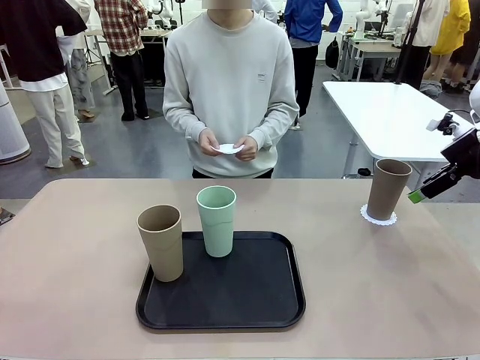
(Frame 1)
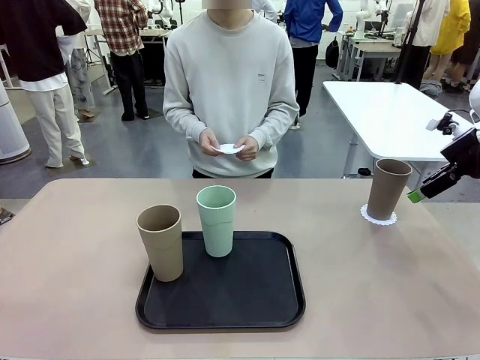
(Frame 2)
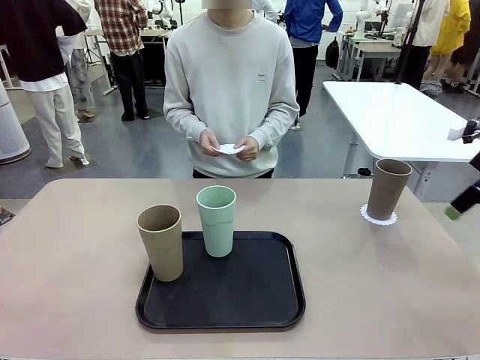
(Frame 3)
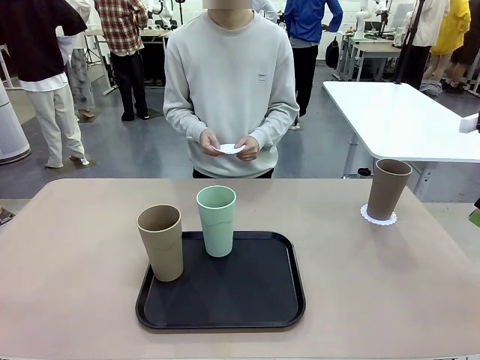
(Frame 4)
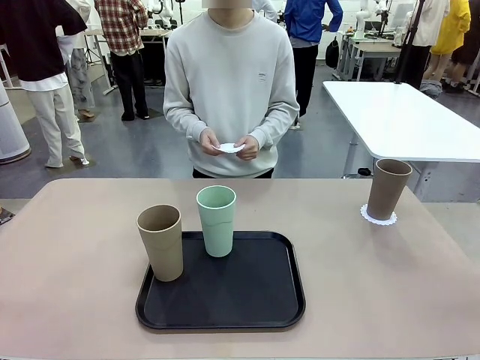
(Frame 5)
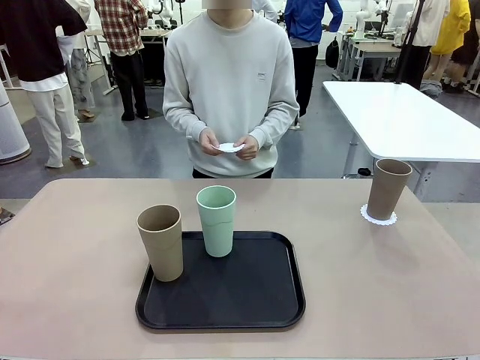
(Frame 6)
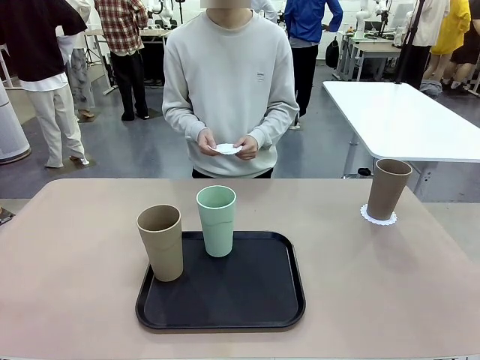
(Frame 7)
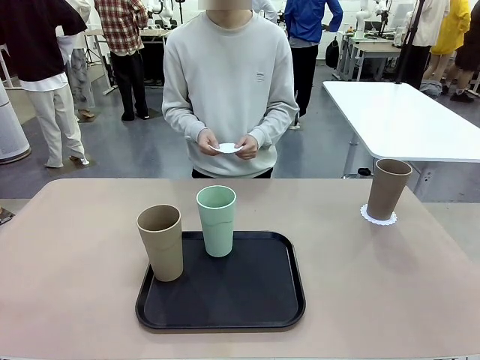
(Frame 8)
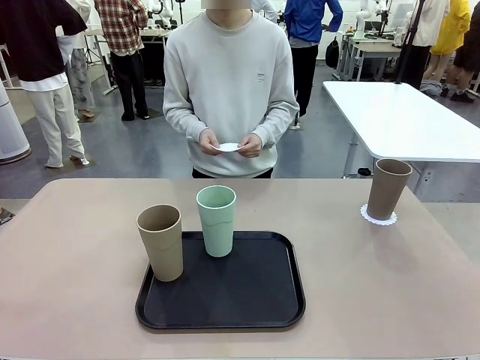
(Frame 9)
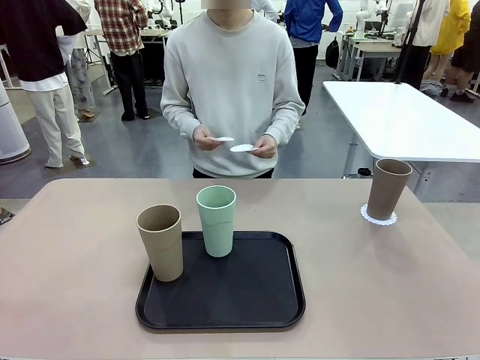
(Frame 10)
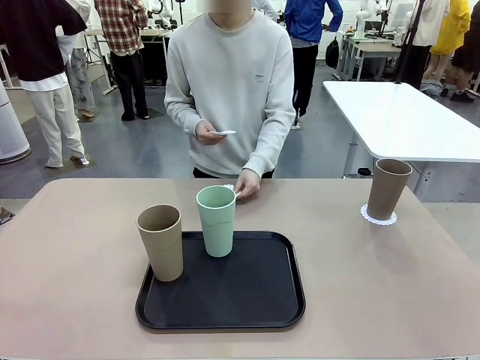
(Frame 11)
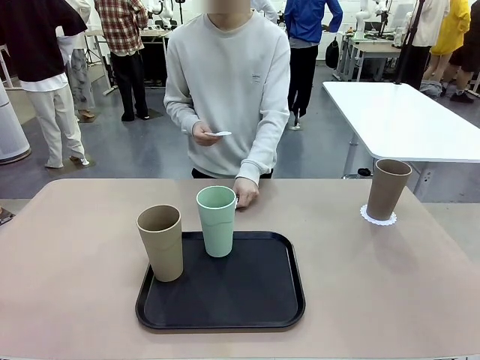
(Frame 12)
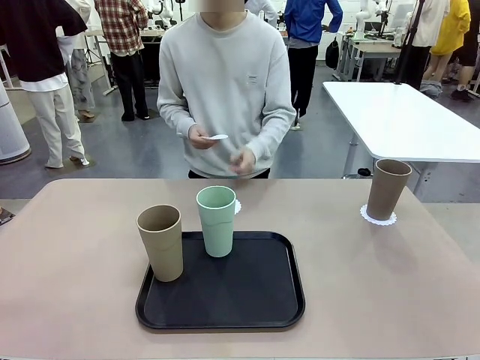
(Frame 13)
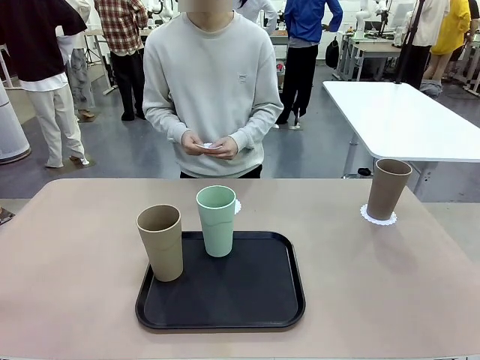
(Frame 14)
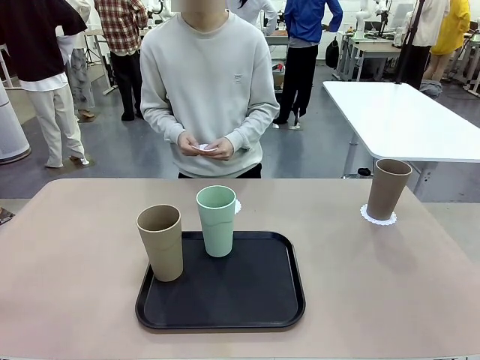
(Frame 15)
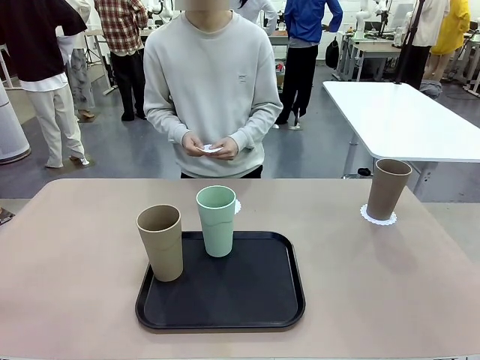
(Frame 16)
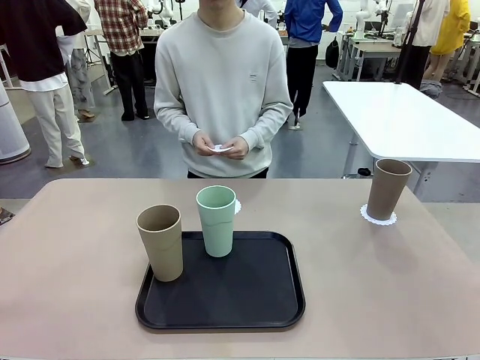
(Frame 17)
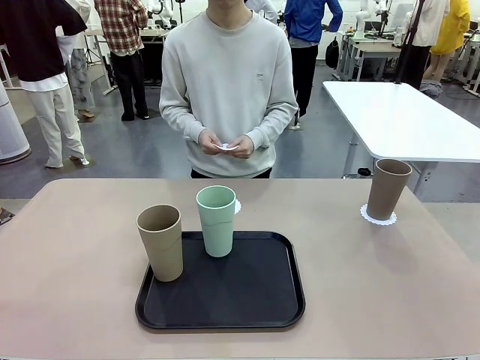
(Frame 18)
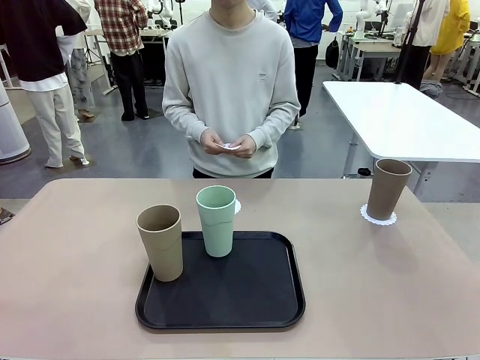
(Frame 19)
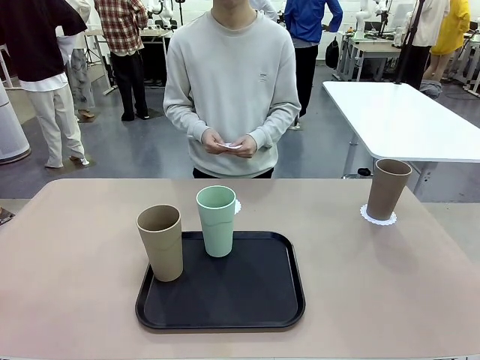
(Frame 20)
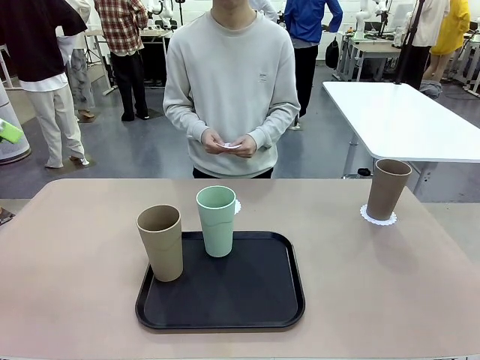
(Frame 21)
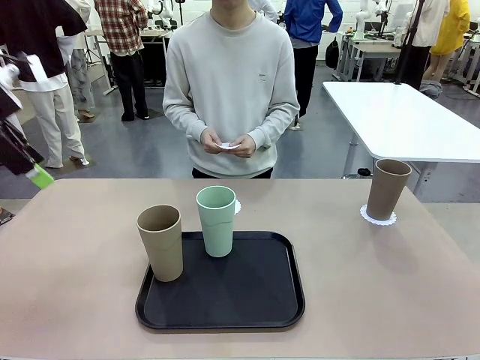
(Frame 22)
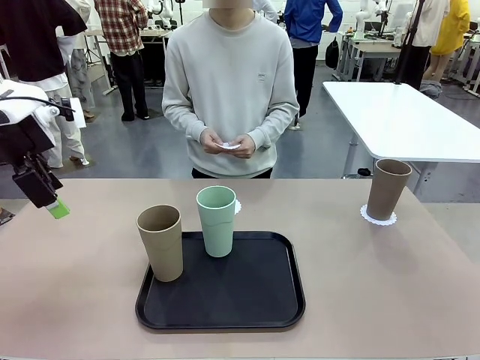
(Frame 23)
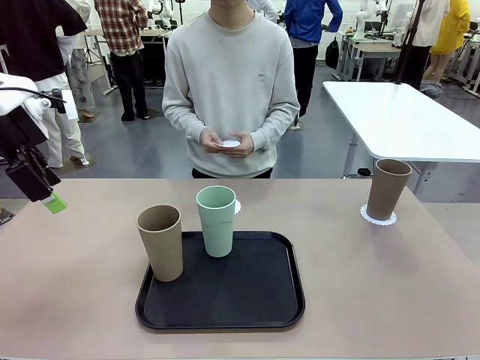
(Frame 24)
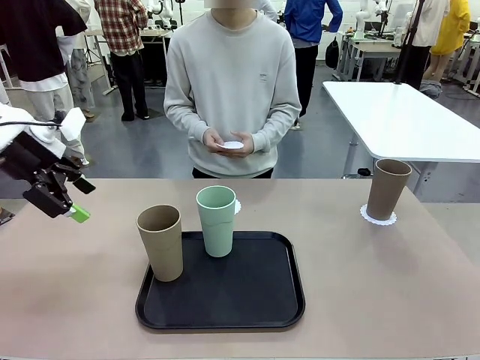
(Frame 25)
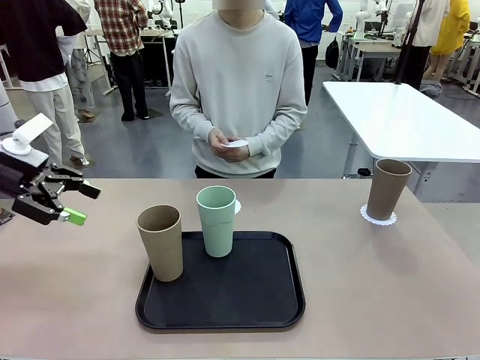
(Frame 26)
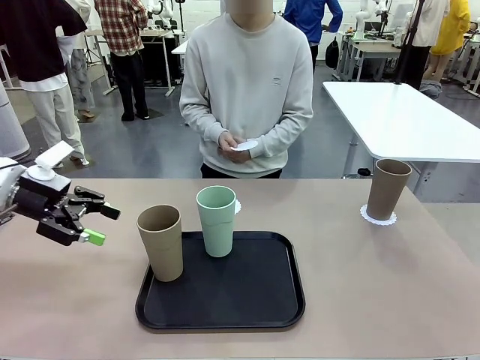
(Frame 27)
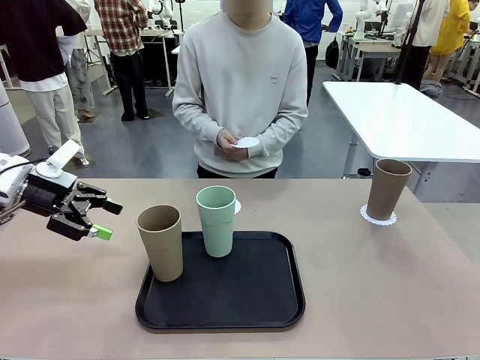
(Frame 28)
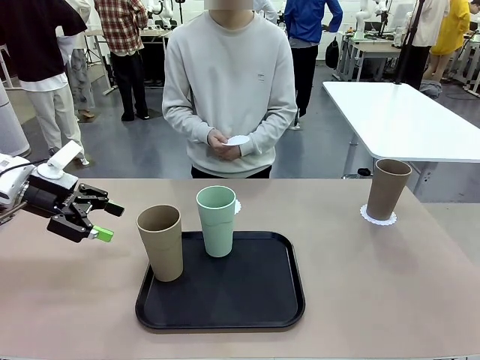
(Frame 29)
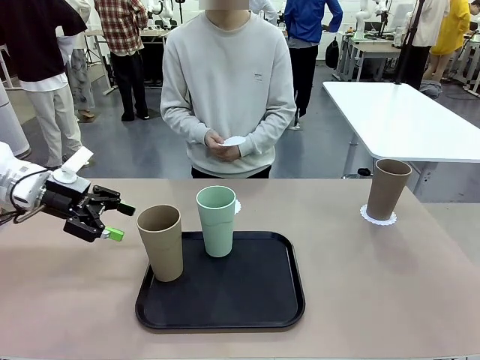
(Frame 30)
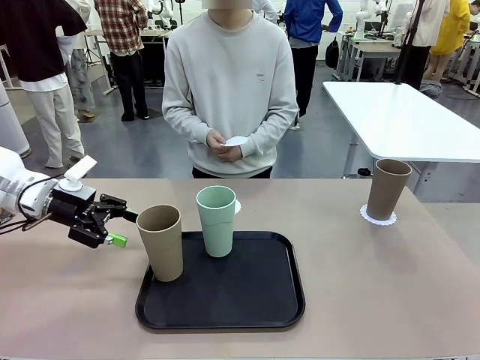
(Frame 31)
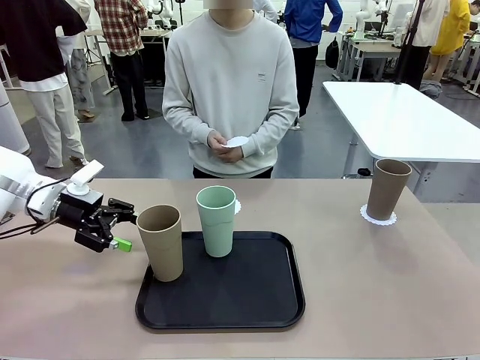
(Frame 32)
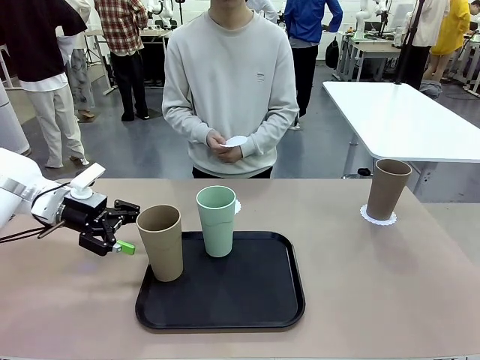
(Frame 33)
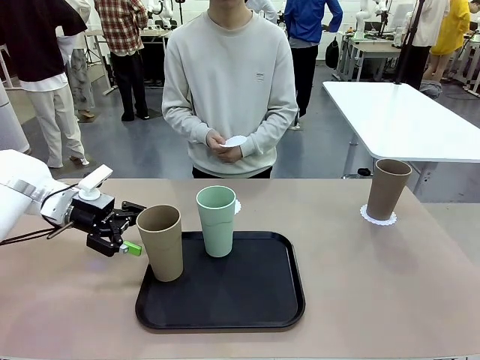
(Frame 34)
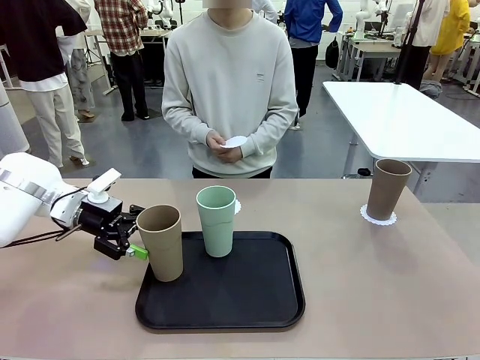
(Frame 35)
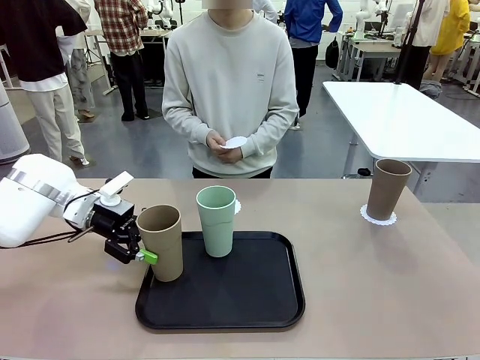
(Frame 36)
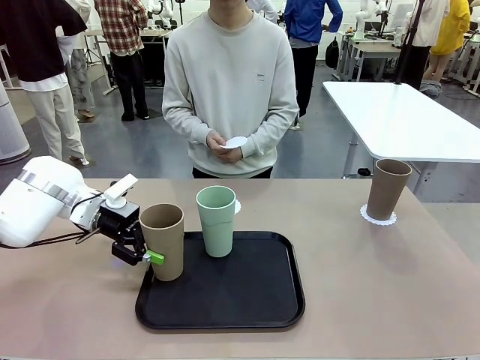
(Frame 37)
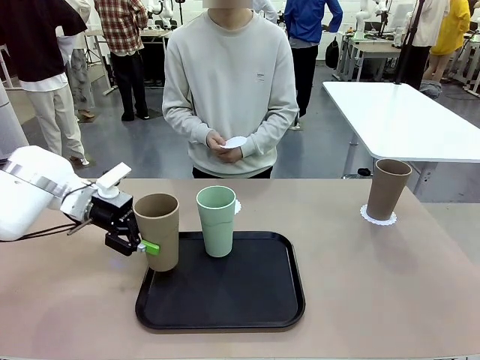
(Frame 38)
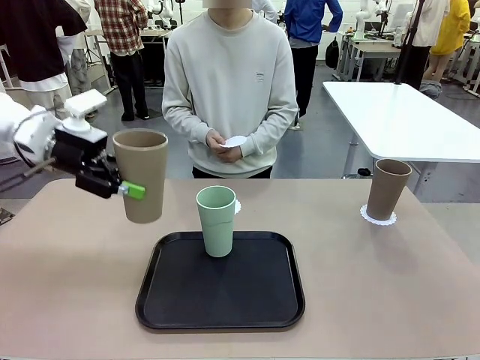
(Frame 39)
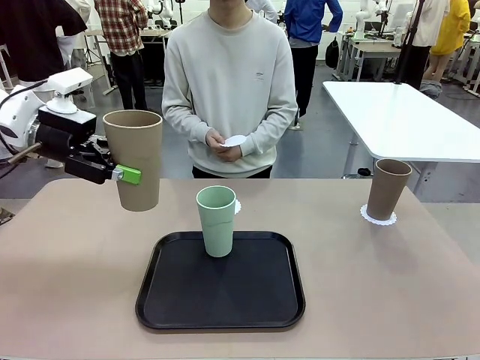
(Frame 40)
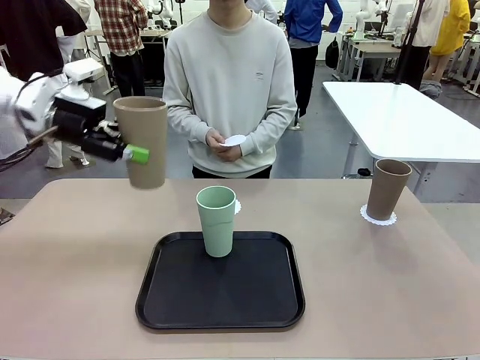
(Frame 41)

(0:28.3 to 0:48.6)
Task: Place coasters on the table and set cups on them.
Robot: Take one Reusable plastic cup from the Flat Tray and place it on a coaster set by the human.

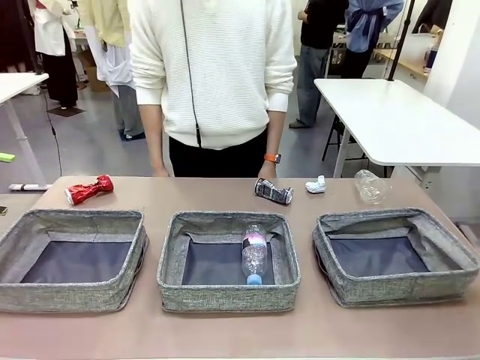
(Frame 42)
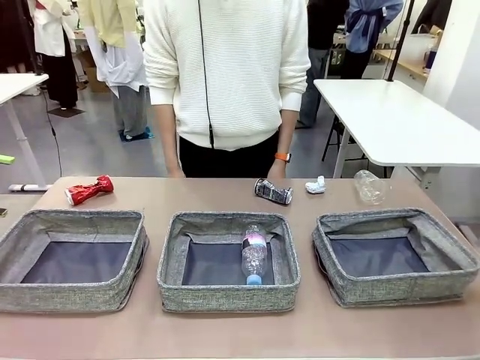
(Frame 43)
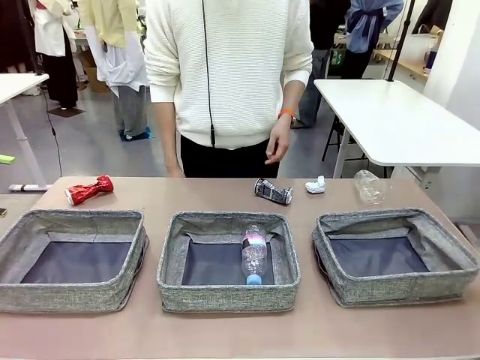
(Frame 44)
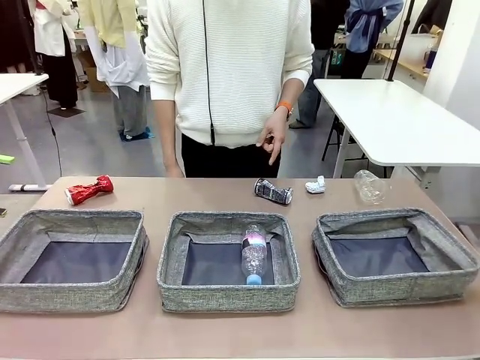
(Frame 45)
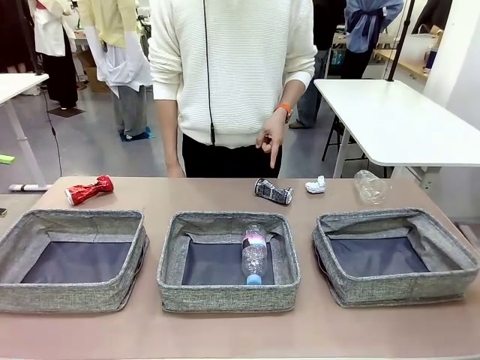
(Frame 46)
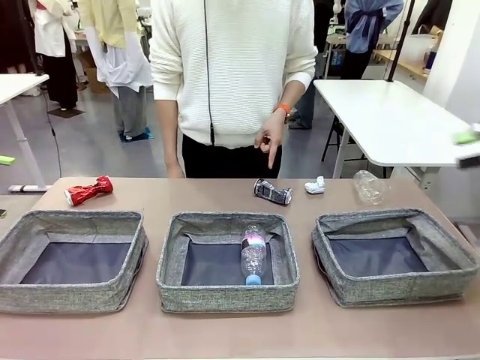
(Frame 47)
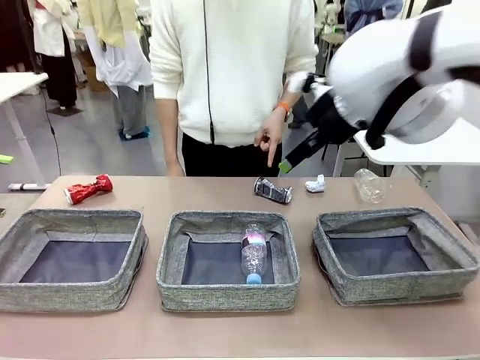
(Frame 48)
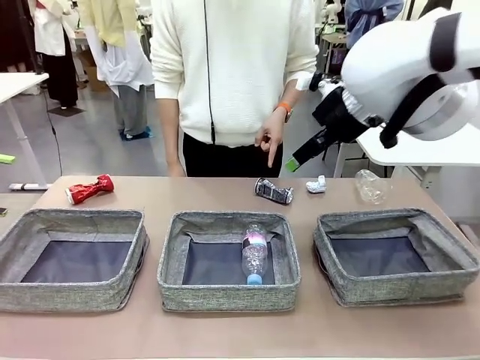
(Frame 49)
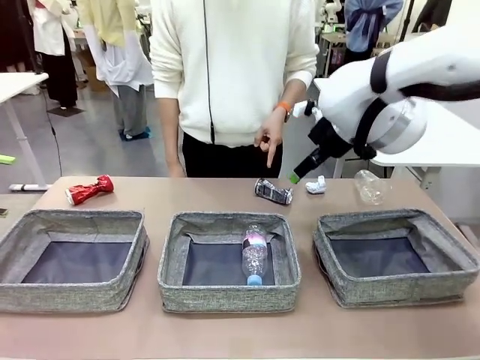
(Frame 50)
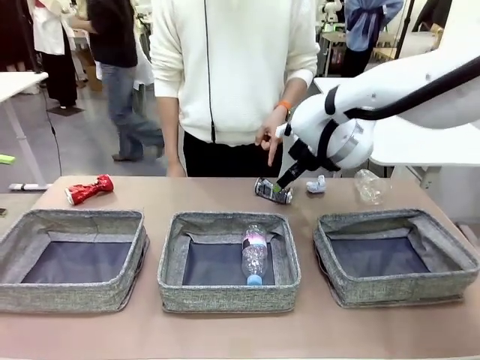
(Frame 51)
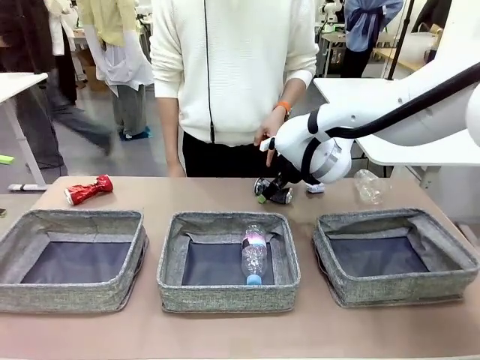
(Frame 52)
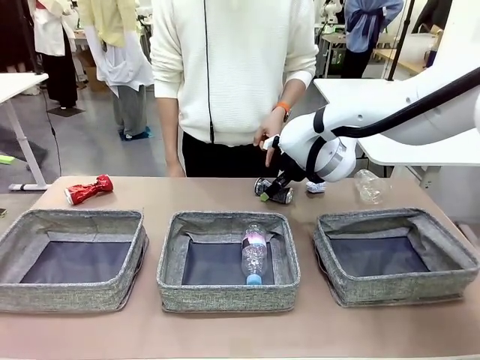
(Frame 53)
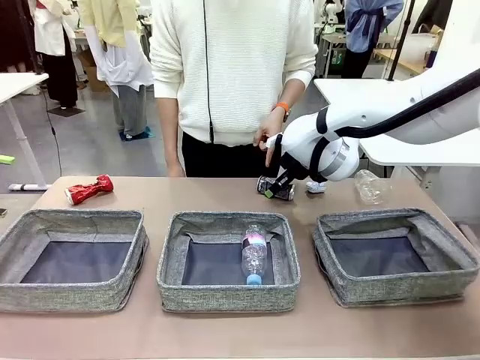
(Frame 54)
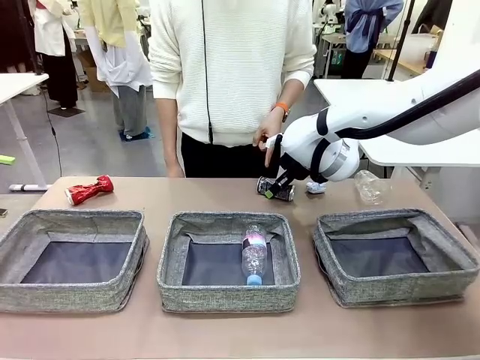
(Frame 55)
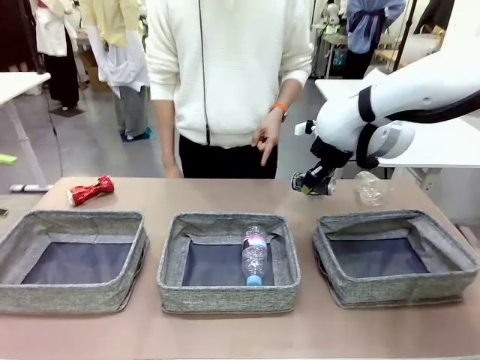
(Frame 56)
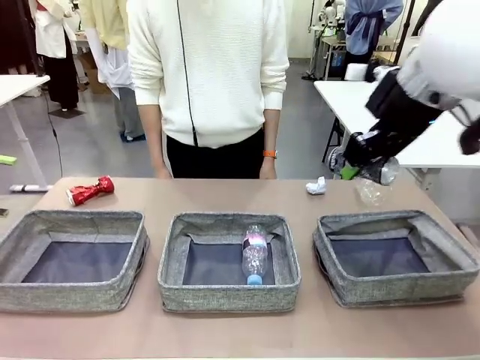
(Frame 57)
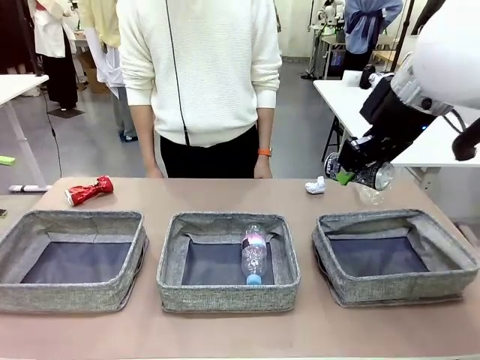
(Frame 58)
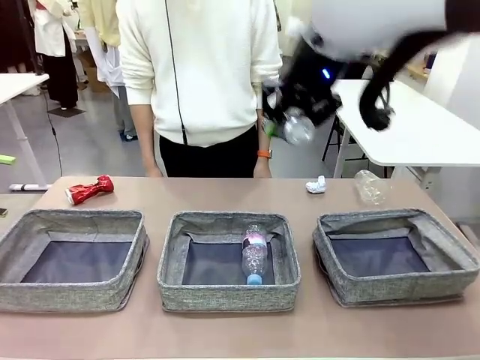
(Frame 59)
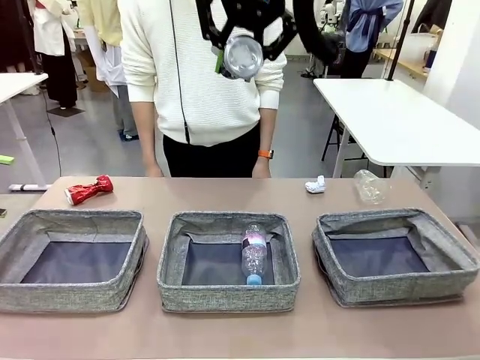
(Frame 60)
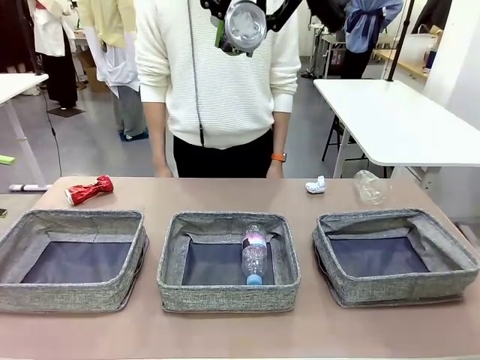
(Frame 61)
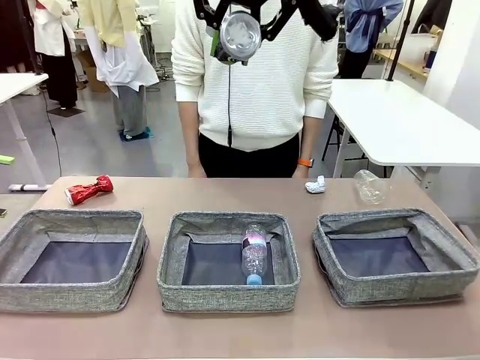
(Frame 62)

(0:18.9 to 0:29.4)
Task: Sort the waste into the appropriate baskets.
Robot: Pick up the waste item pointed out by the person.
Person: Points to one piece of trash on the table.
